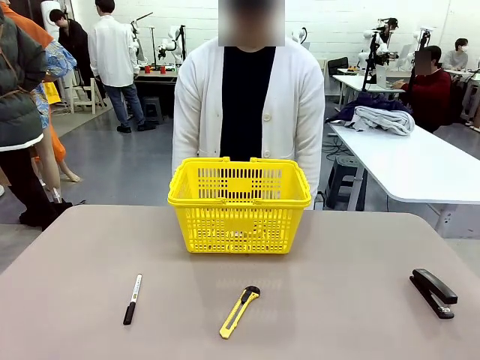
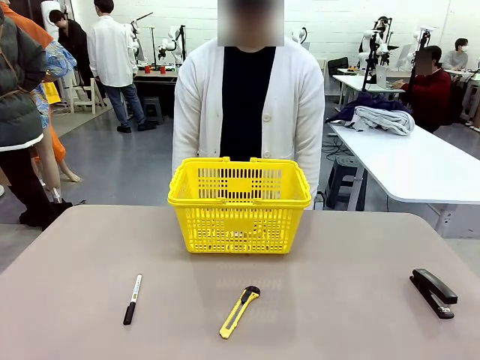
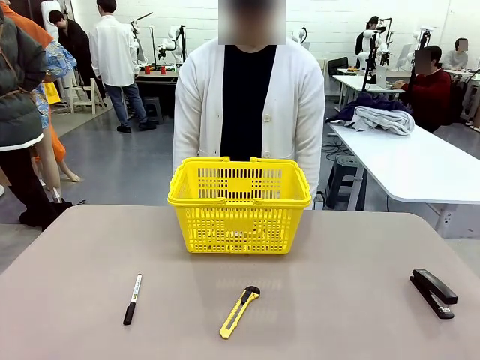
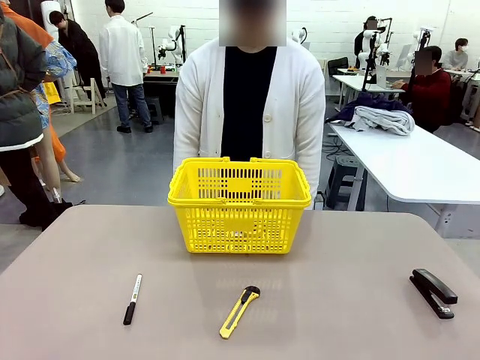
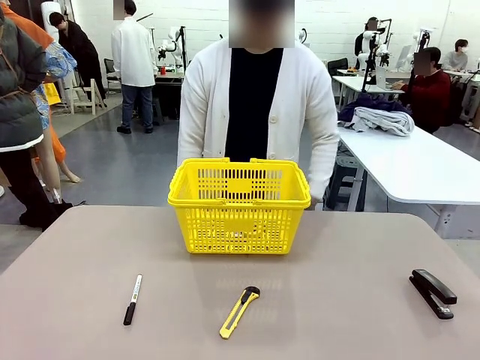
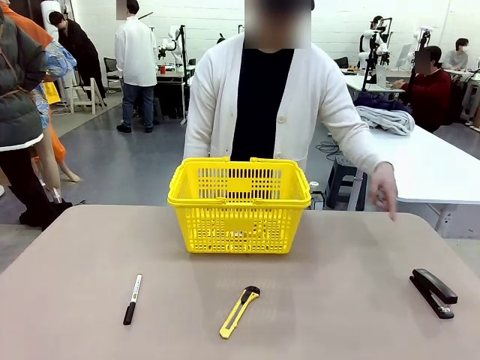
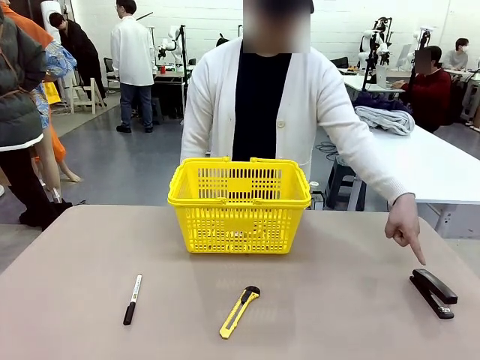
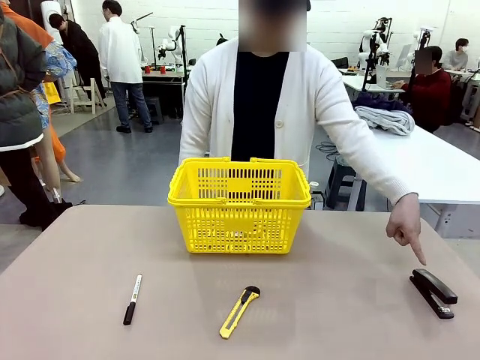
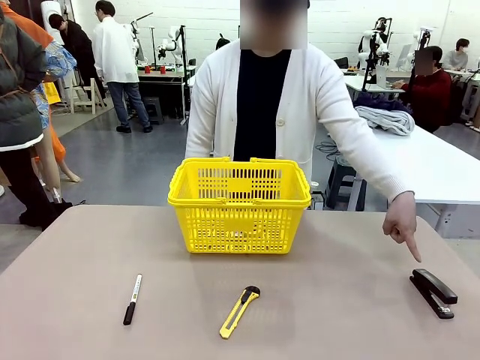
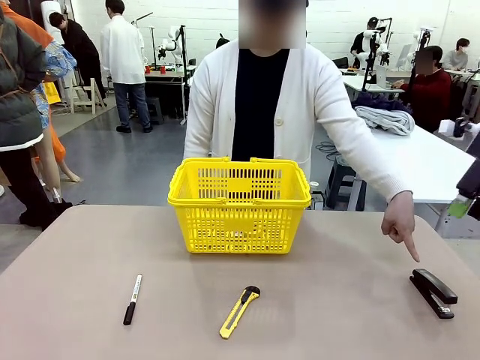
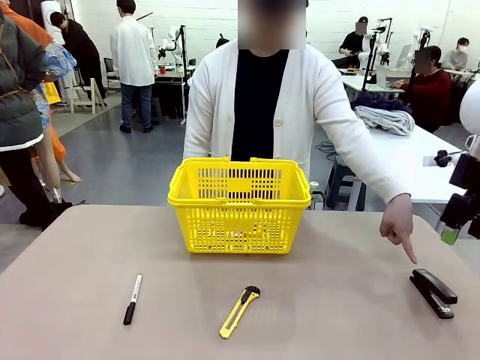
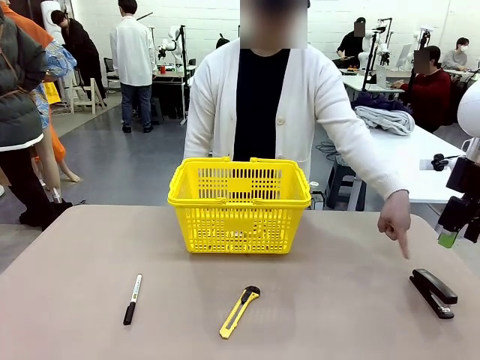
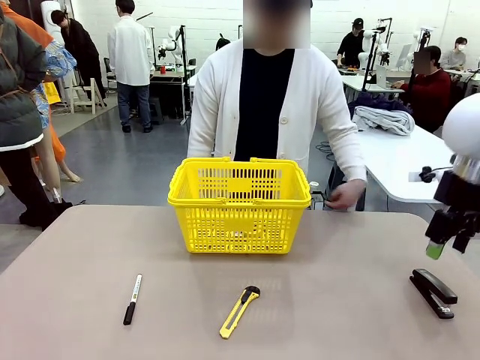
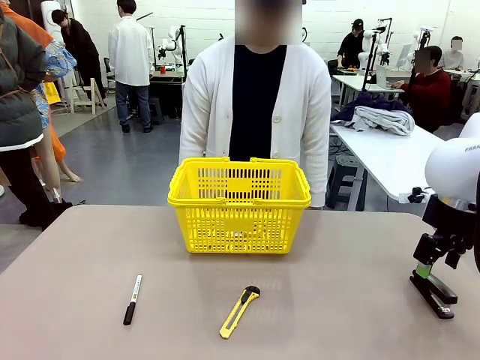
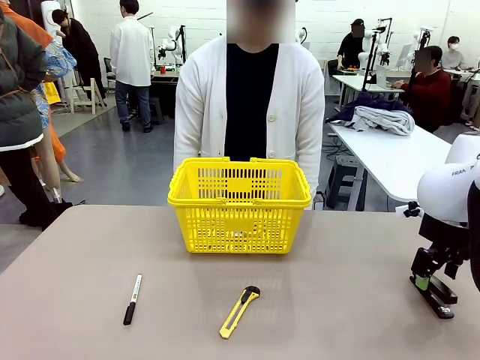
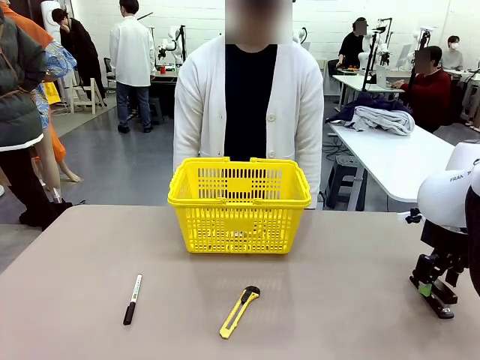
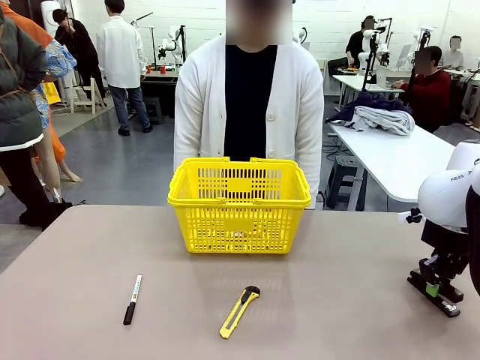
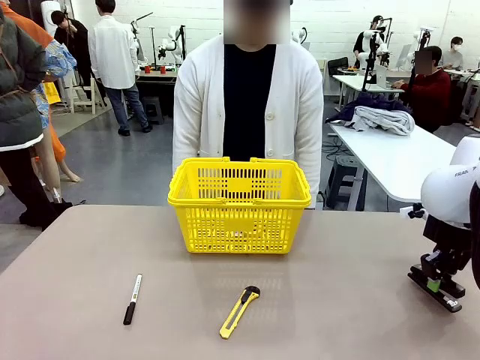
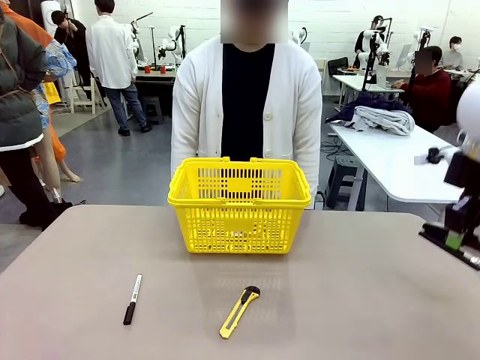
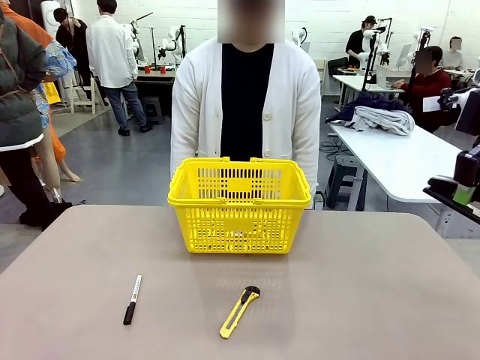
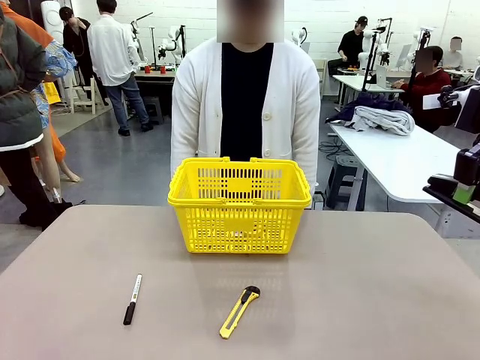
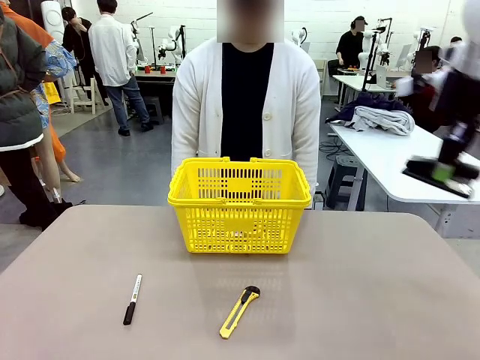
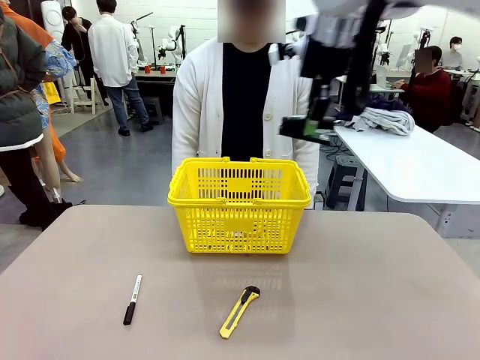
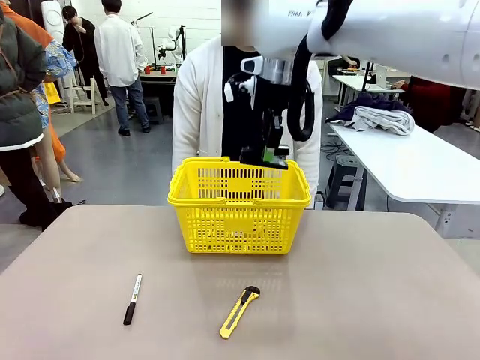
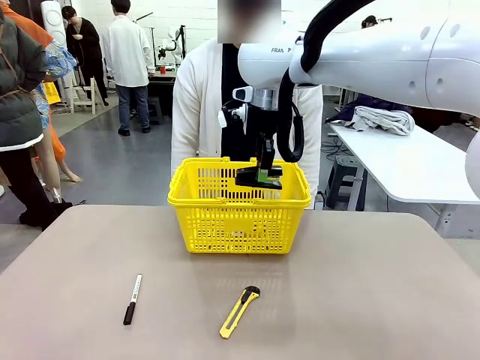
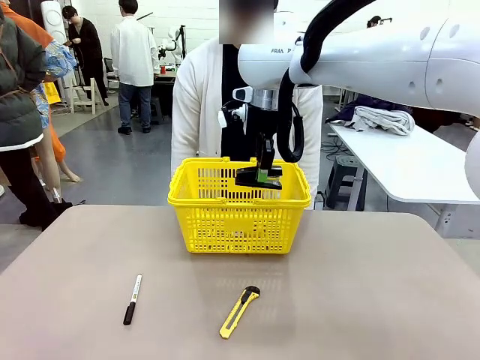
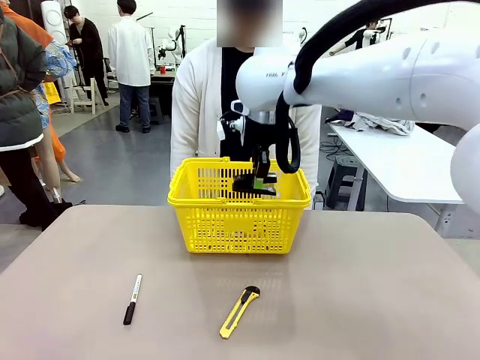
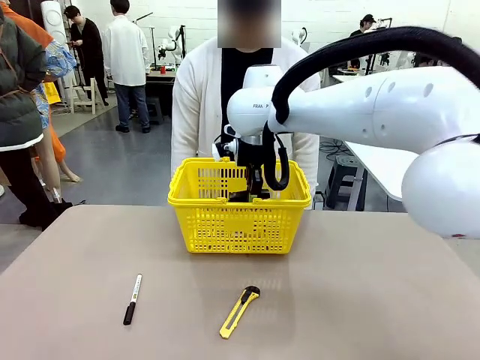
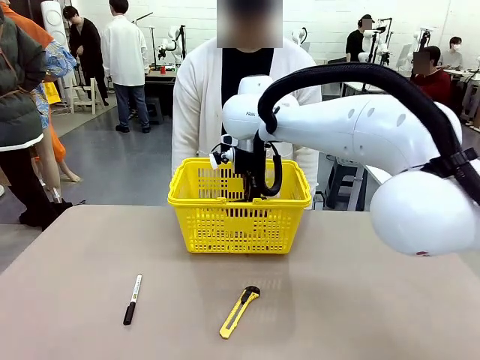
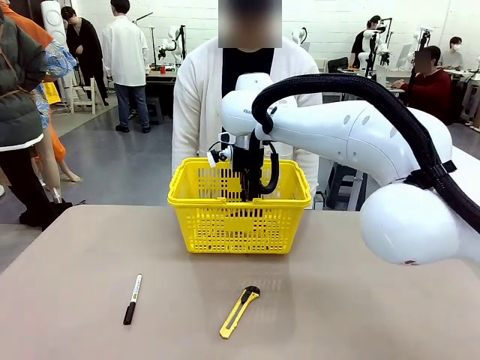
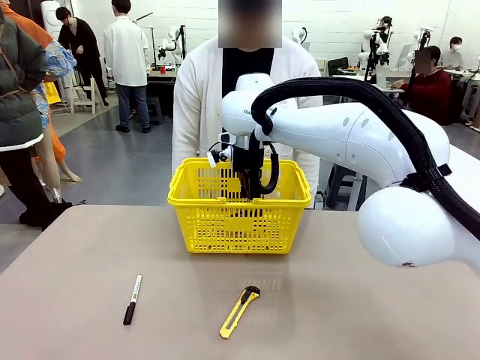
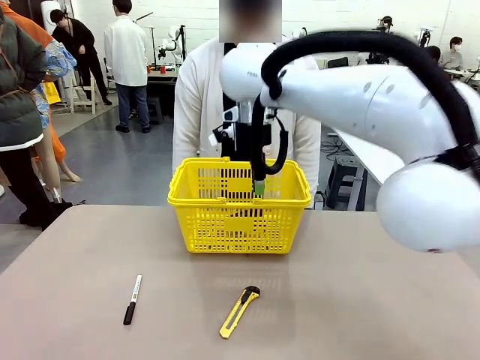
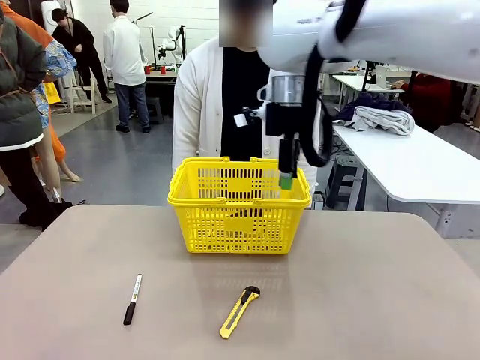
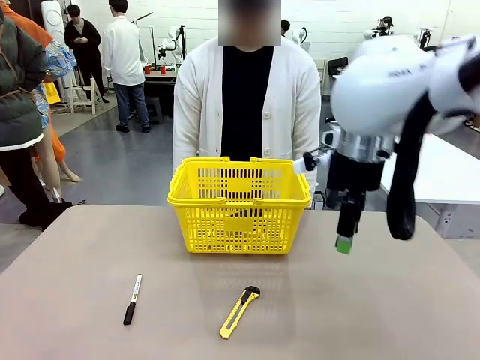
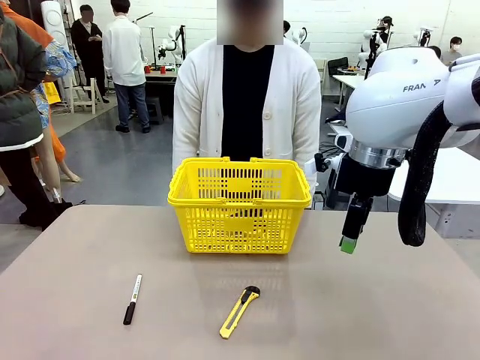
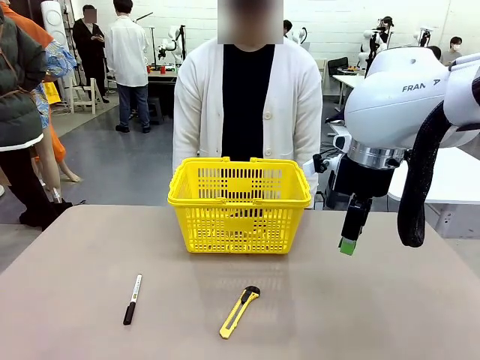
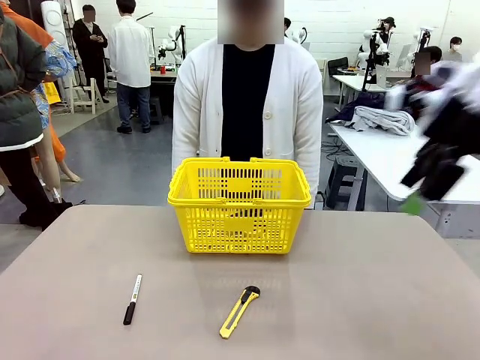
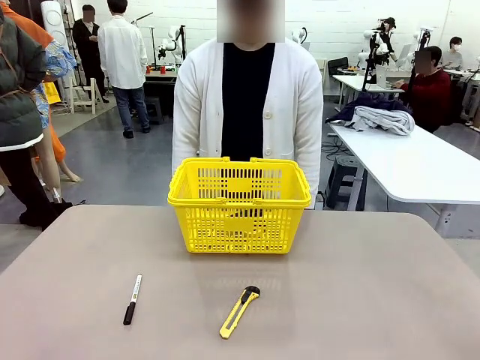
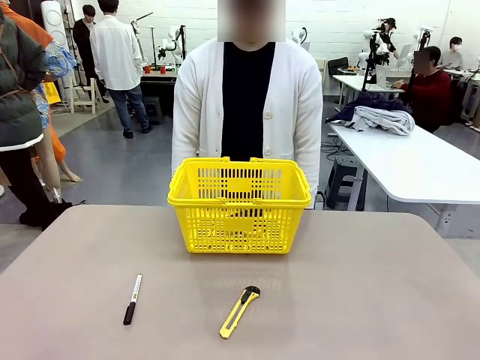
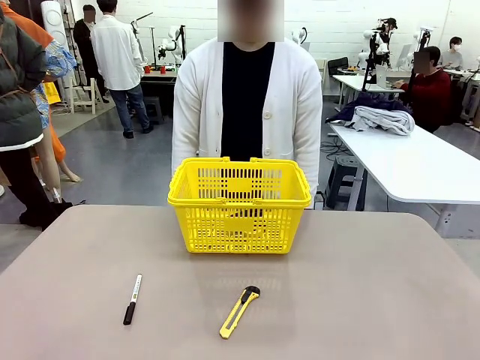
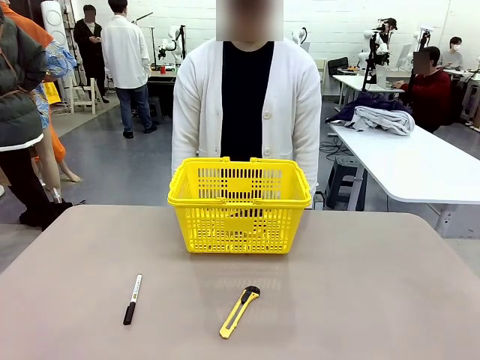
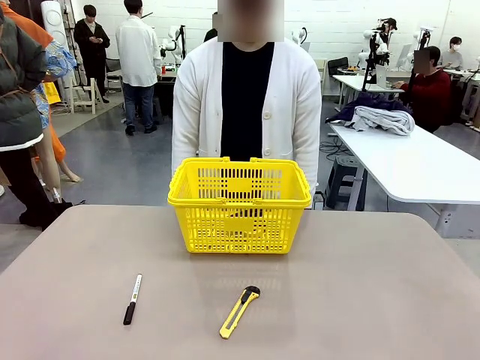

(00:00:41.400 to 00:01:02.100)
Task: Place the items the person wants into the basket.
Robot: Pick up the item the person points to and place it in the Market Basket.

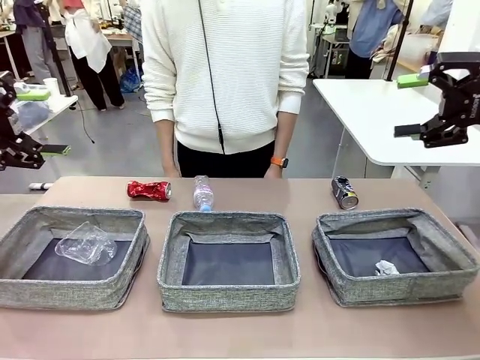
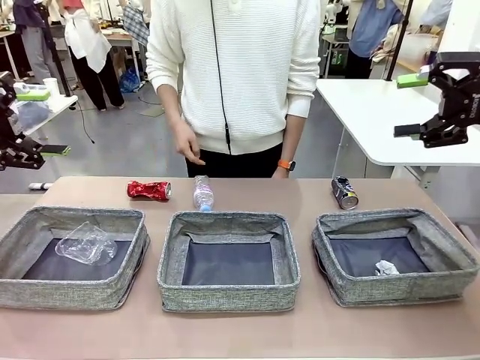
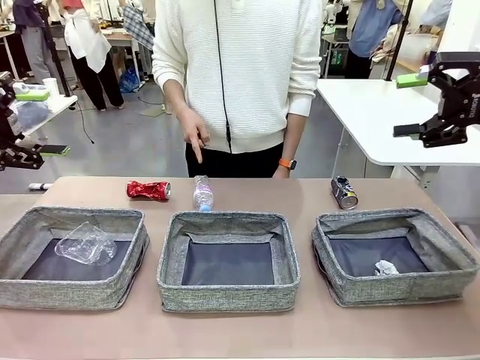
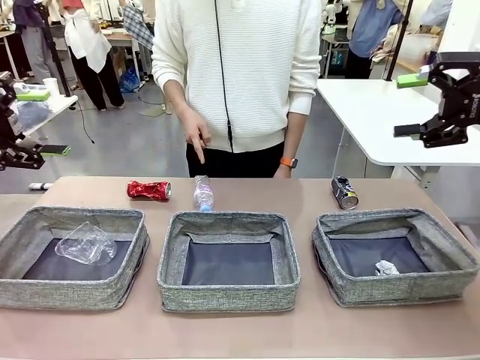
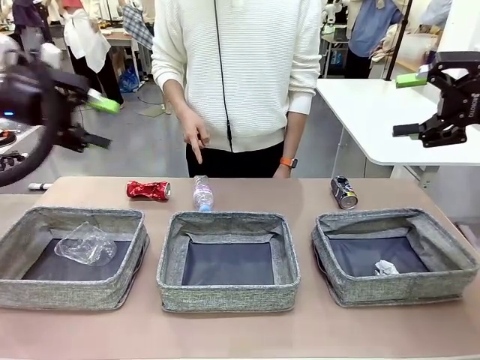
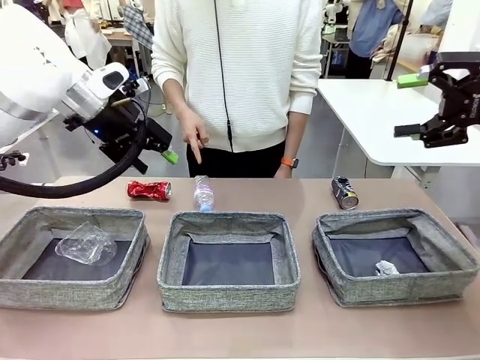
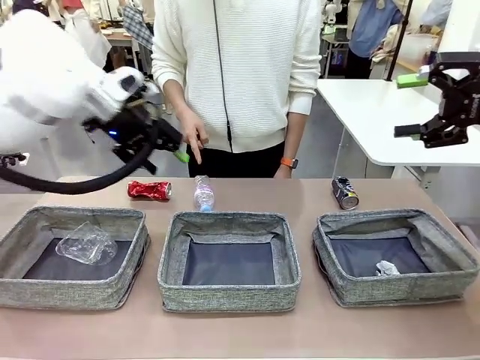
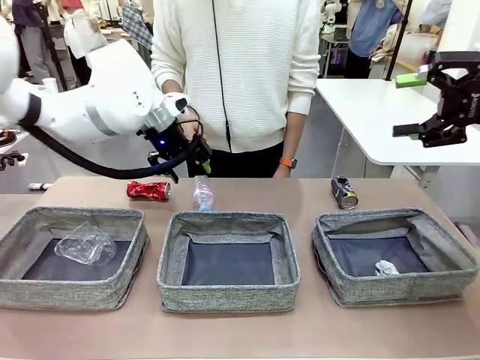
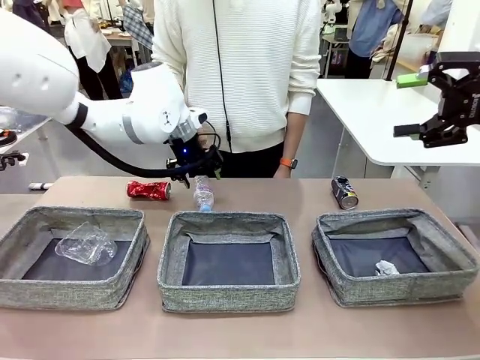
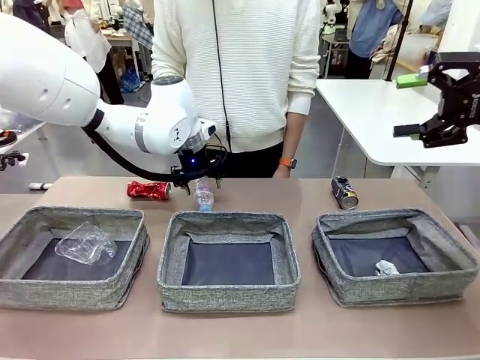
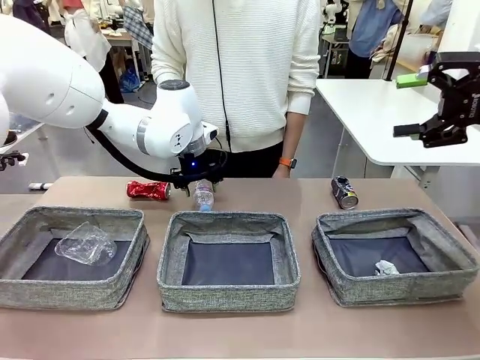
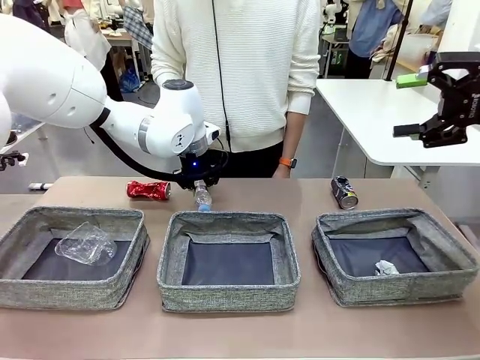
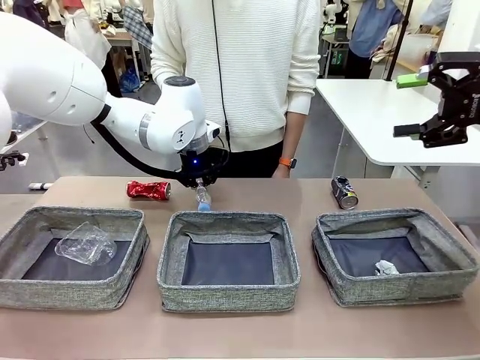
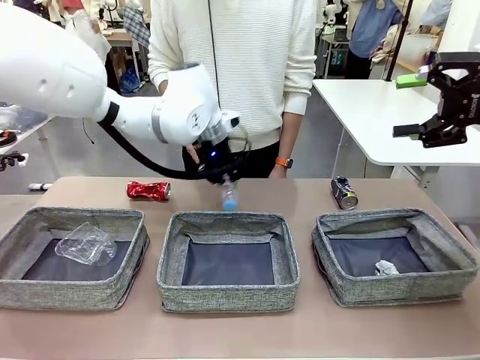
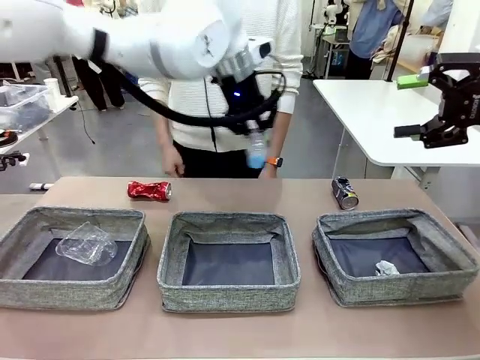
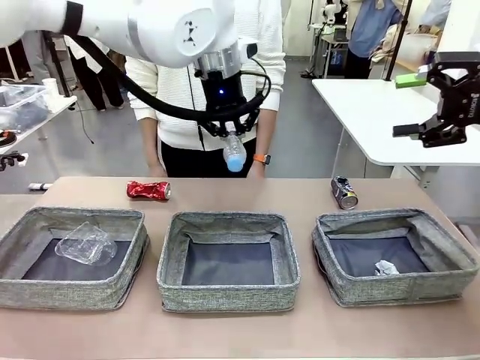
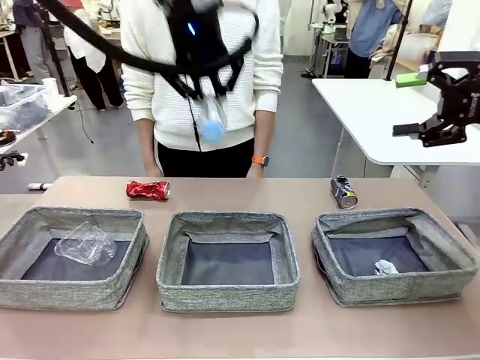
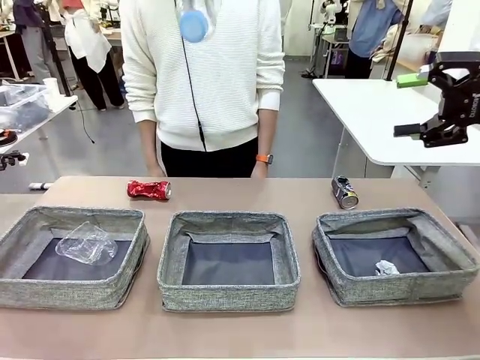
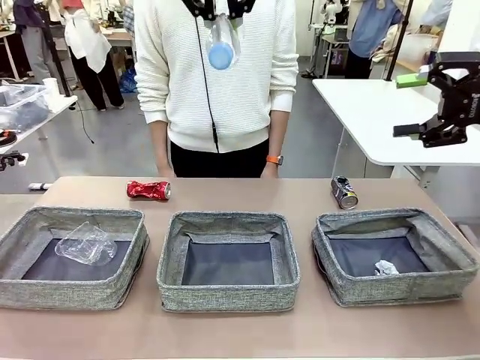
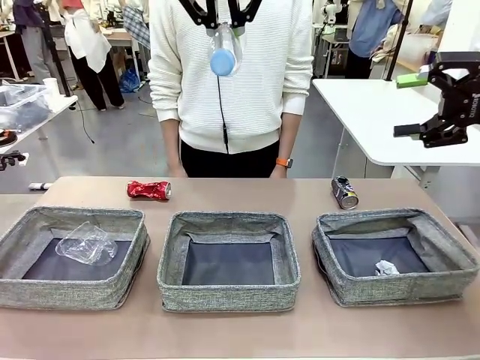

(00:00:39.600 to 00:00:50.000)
Task: Sort the waste into the appropriate baskets.
Robot: Pick up the waste item pointed out by the person.
Person: Points to one piece of trash on the table.
